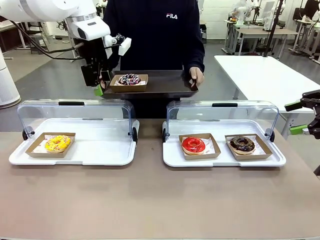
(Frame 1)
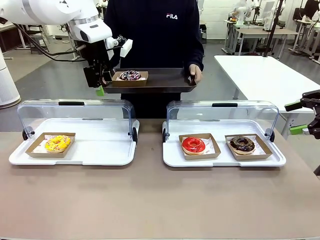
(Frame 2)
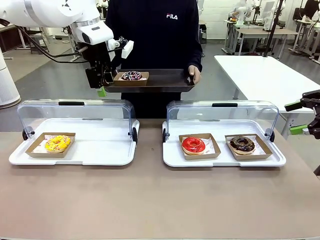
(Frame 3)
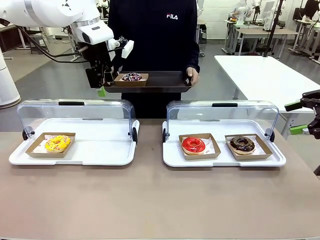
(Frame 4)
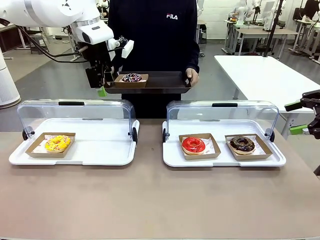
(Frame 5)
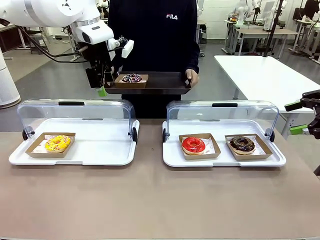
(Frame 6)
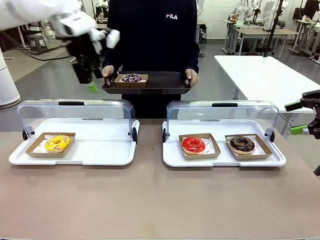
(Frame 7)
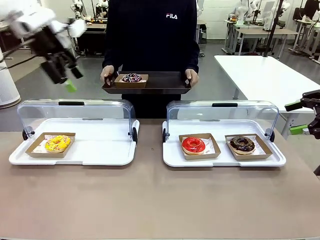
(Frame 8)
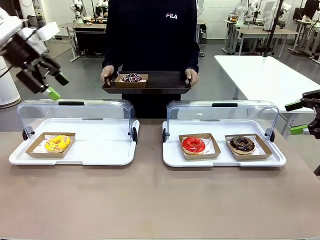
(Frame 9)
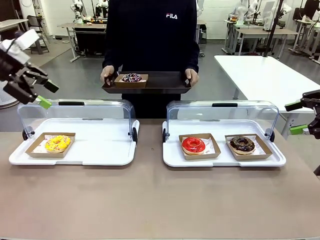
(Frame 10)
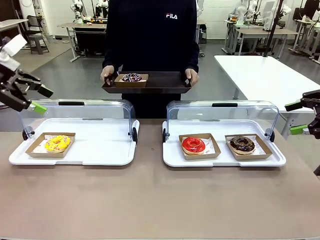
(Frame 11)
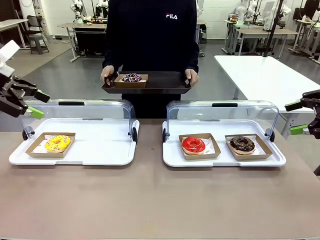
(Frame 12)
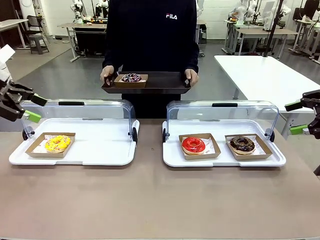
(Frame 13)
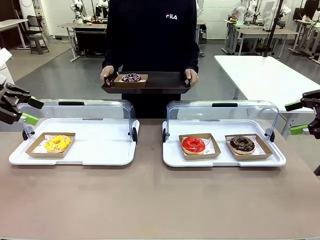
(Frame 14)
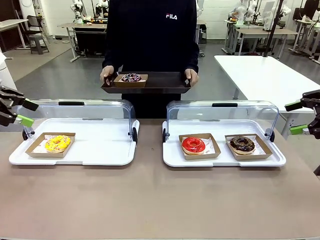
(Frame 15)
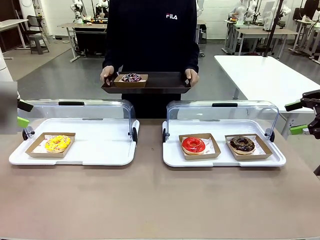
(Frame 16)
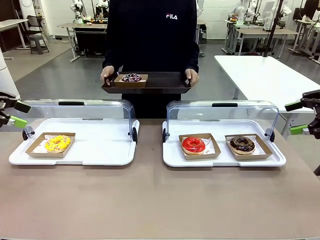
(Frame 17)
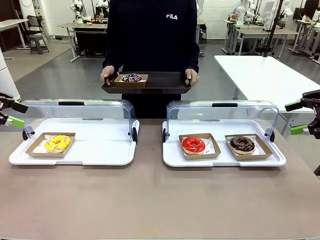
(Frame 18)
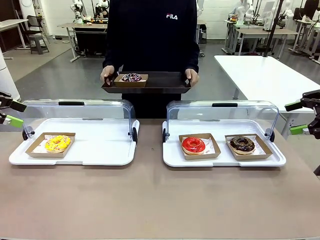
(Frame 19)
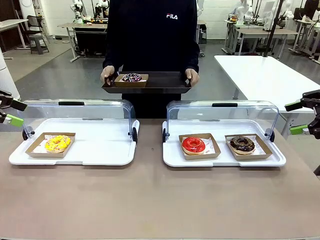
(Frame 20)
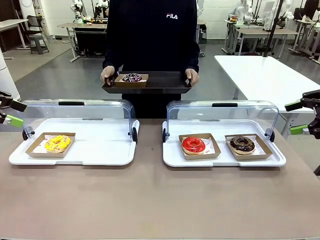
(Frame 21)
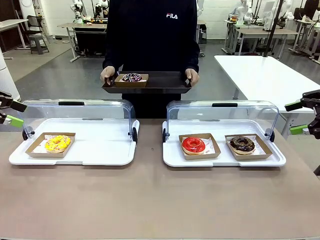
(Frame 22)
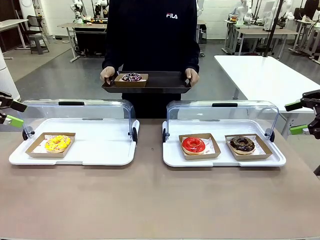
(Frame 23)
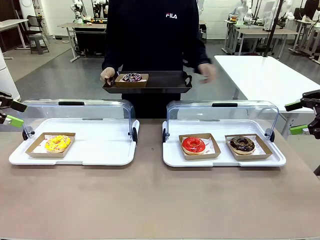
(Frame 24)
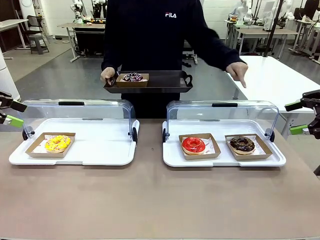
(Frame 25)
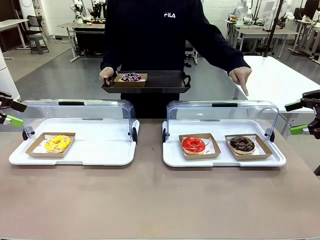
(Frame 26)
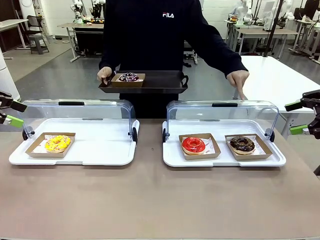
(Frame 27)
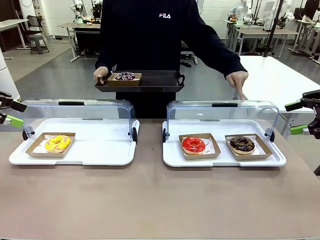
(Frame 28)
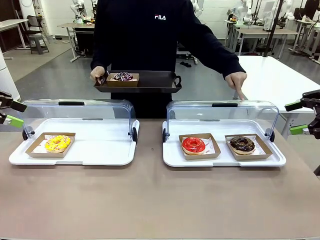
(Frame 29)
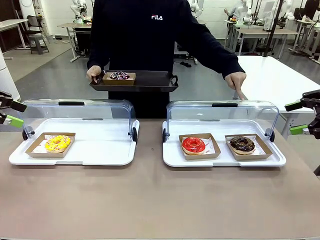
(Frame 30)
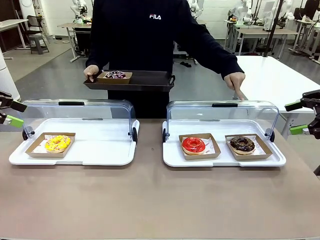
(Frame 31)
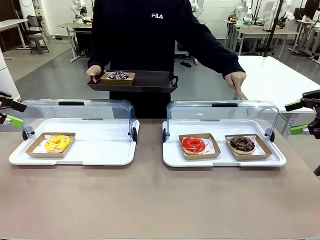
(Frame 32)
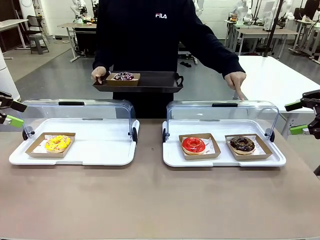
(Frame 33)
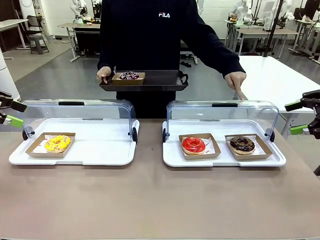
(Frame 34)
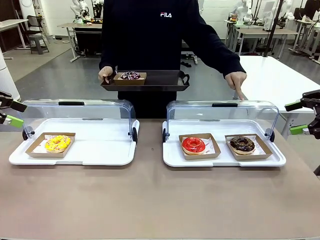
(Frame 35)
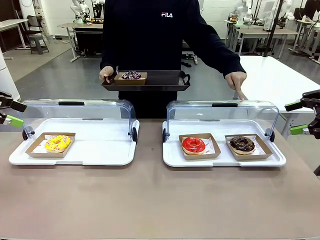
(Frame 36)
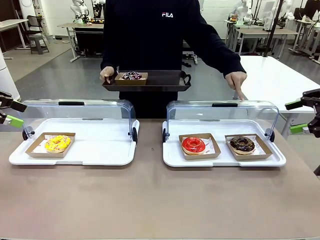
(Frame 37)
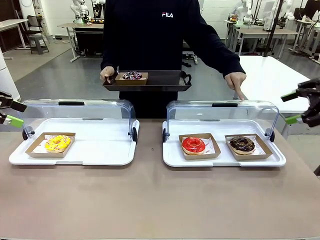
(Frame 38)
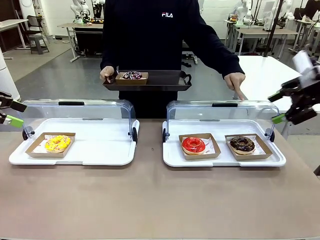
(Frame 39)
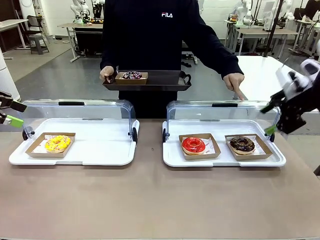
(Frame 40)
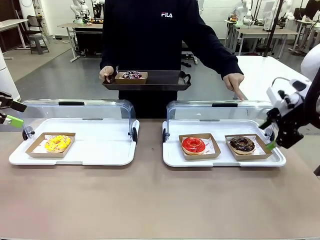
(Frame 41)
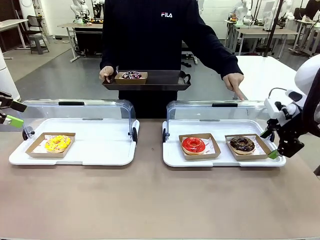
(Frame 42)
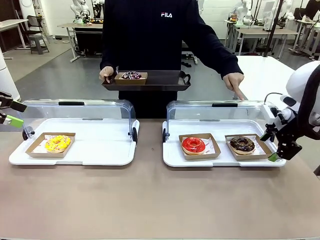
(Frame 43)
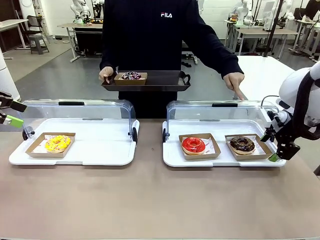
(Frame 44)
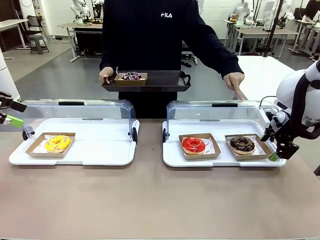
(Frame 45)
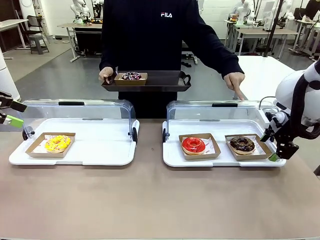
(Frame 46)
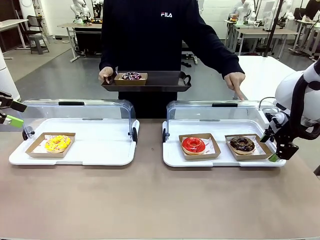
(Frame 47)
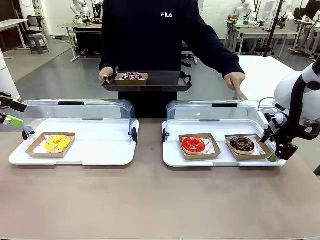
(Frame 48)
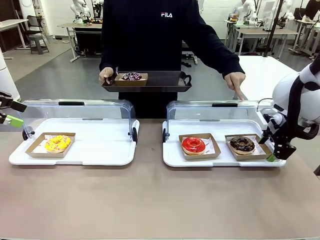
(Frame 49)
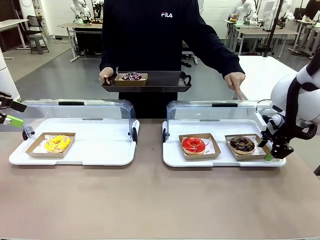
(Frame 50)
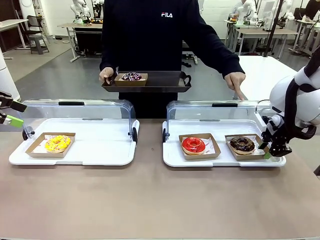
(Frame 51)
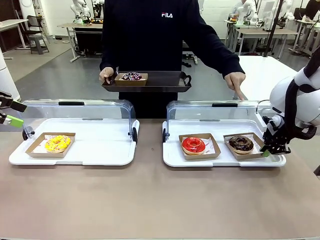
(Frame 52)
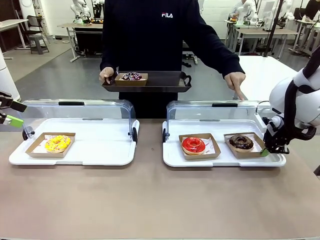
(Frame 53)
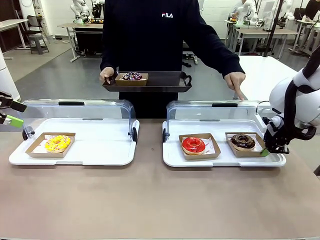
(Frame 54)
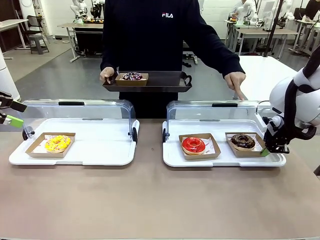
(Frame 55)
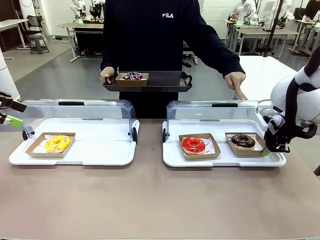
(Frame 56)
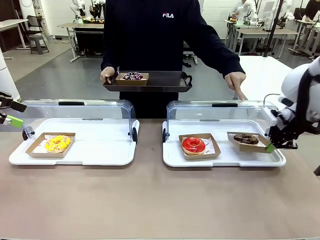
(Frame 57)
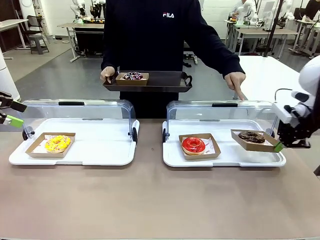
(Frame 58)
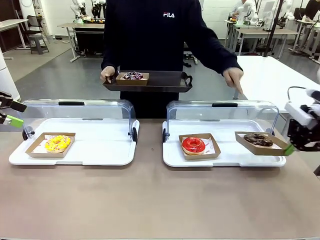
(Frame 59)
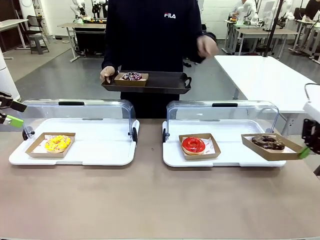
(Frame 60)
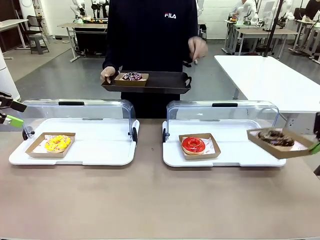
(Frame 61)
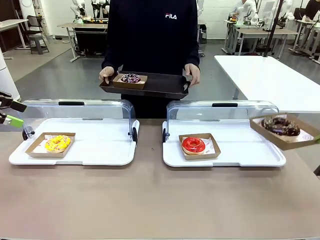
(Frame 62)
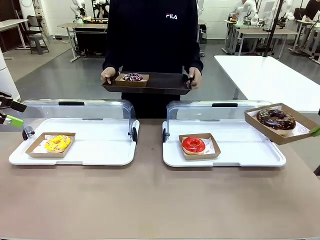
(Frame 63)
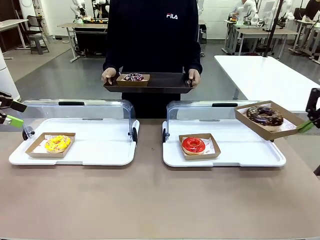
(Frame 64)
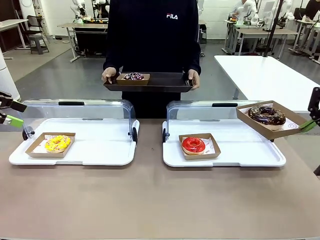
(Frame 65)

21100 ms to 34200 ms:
Task: Provide the desired donut to the person.
Robot: Pick up and lift the Paper togo box containing the Donut pointed at by the person.
Person: Point to one donut. Lift the tray onto the Roll-Top Bakery Case.
